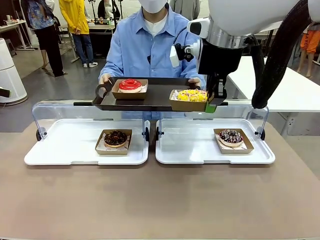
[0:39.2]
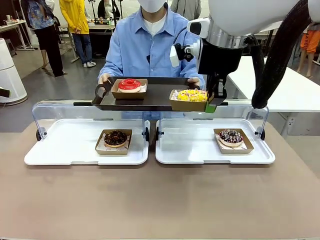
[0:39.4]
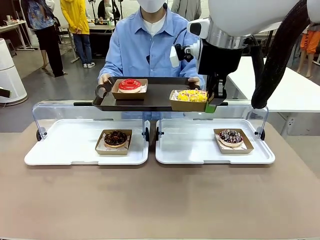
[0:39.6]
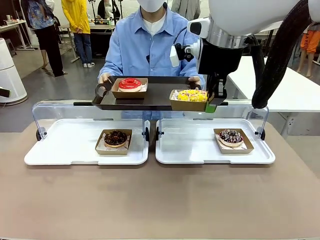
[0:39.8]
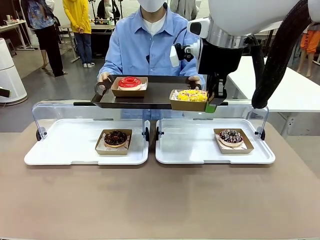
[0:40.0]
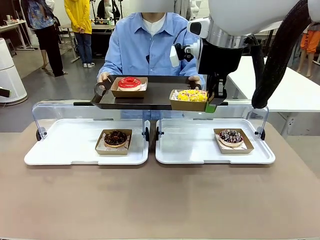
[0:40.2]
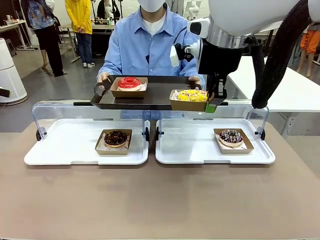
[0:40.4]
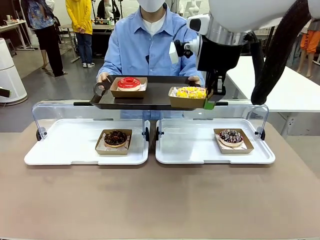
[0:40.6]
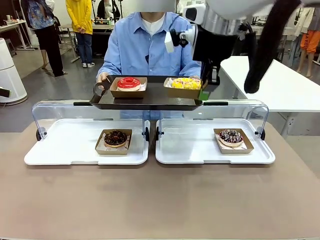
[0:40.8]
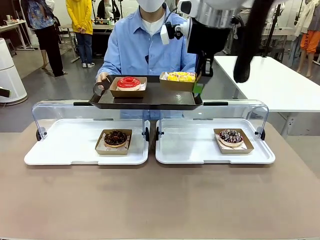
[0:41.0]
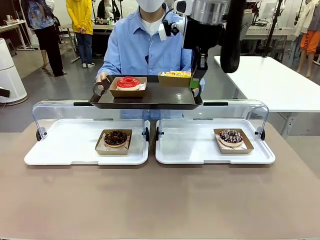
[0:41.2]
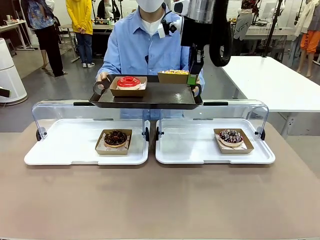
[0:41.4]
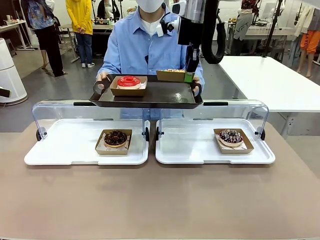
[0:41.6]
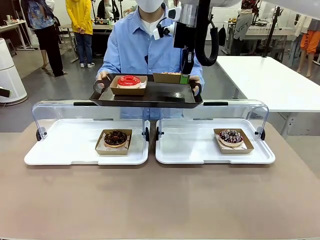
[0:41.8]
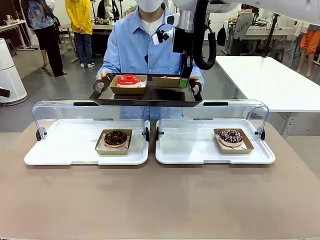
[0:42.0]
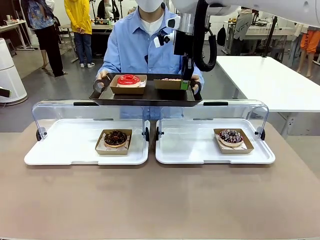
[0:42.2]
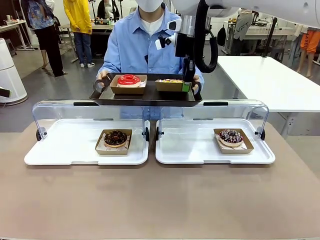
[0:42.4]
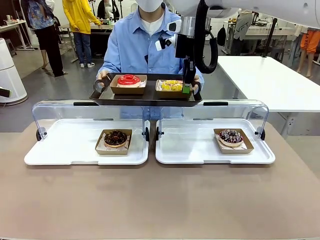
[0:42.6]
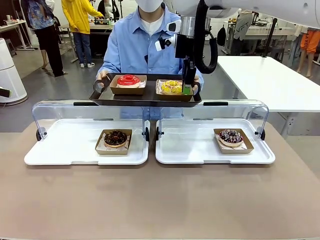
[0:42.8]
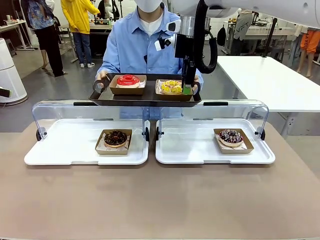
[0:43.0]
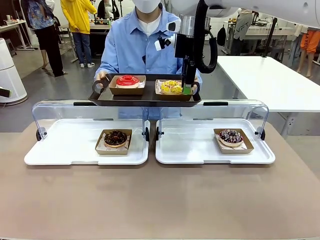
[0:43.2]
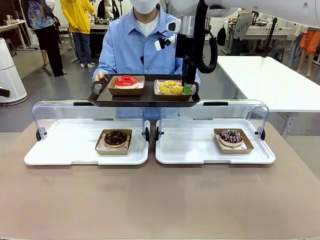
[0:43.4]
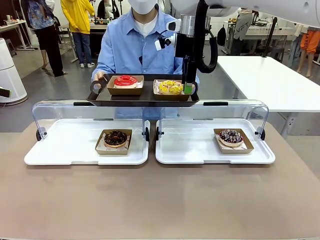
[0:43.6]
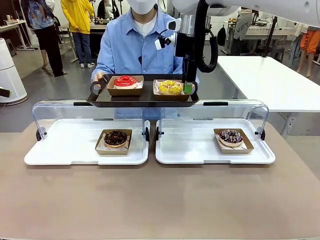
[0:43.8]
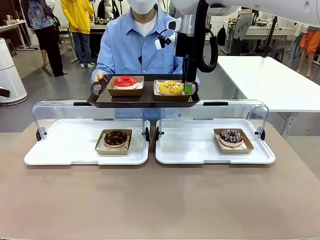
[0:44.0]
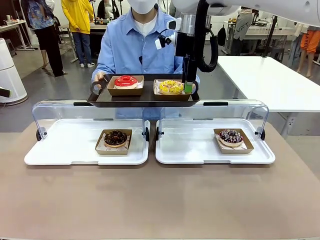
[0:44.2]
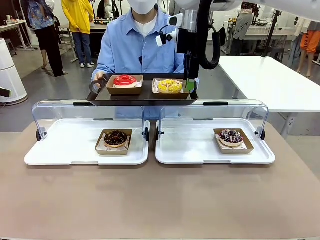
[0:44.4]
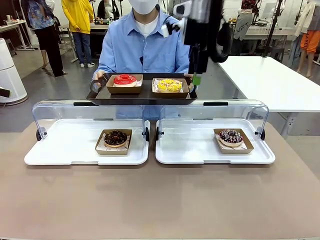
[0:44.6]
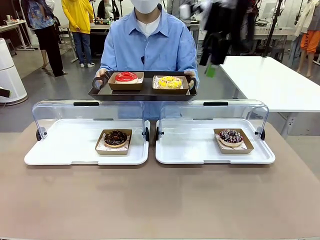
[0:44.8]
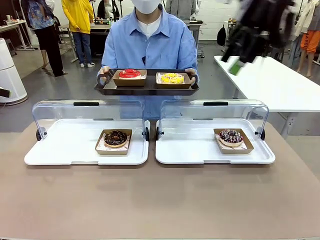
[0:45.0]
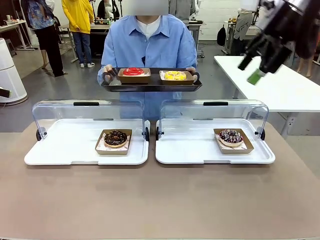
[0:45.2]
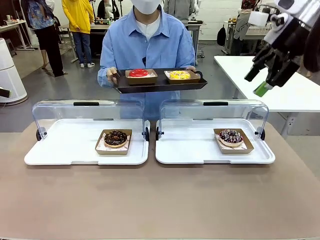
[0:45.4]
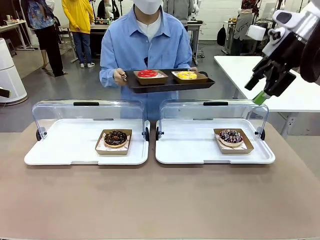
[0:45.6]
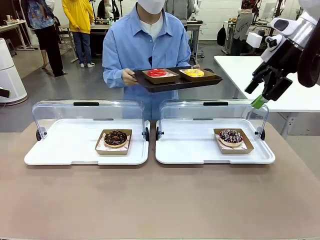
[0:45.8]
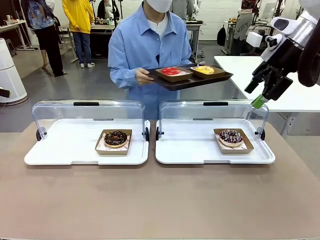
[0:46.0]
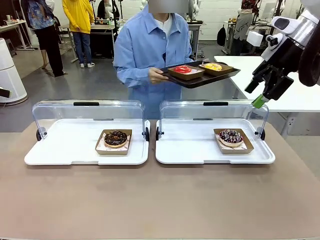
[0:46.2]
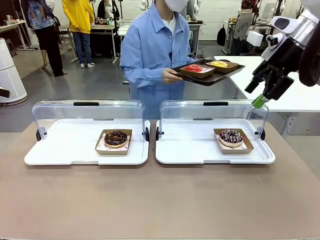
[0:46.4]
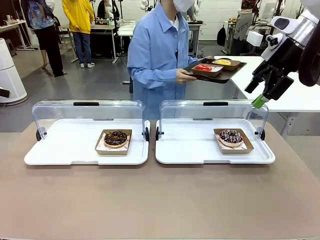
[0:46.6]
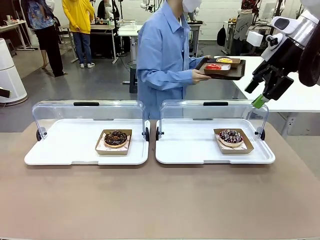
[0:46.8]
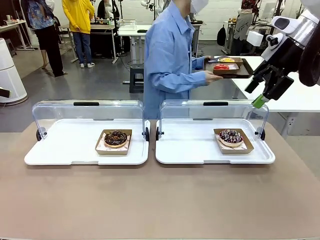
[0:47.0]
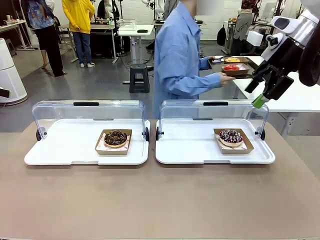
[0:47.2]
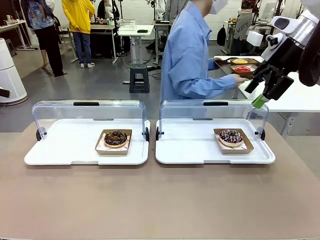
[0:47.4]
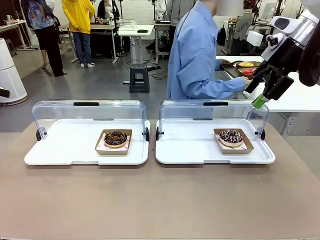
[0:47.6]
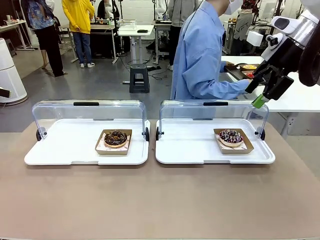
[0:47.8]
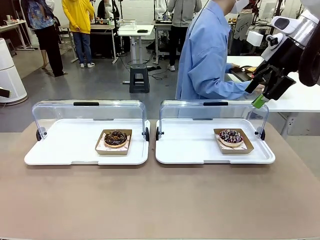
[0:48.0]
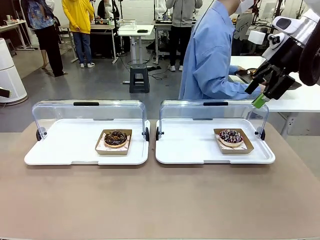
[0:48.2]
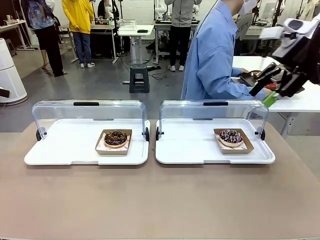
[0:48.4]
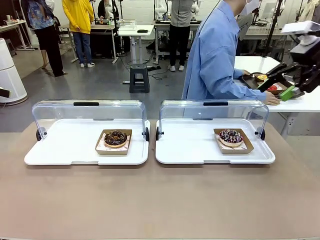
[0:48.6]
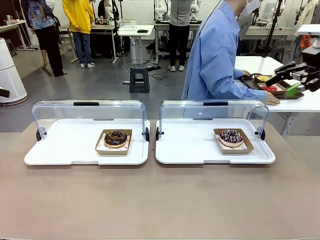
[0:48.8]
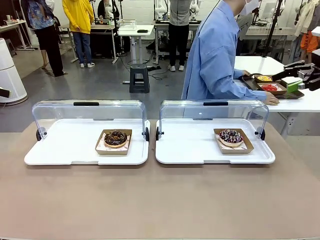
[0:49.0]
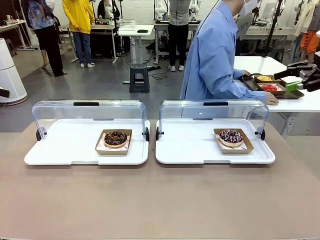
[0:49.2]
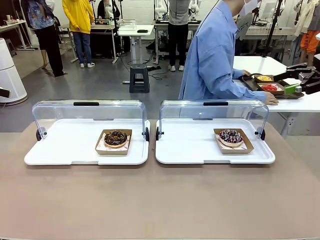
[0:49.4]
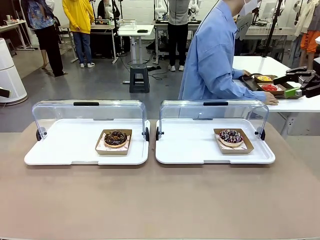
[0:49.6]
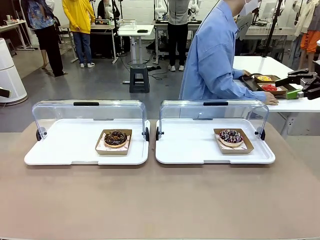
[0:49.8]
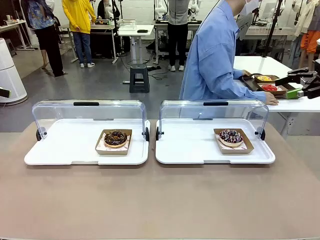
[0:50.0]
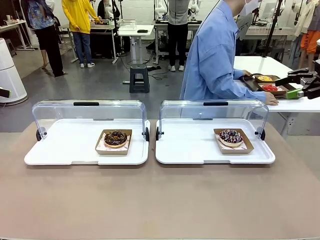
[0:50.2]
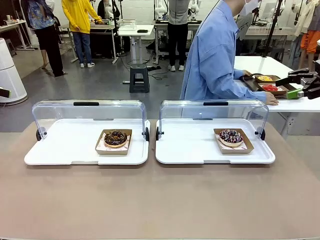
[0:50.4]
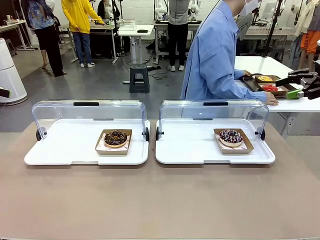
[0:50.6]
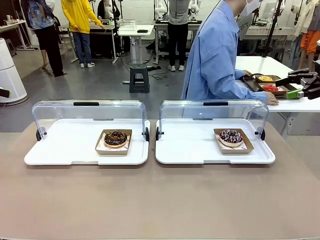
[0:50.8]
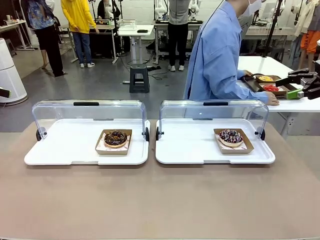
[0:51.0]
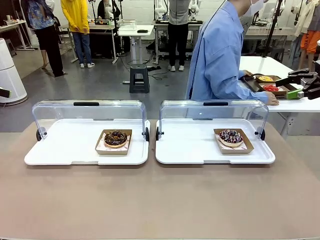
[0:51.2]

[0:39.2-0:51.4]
Task: Provide the desired donut to the person.
Robot: Place the picked Paper togo box onto the Handle tray extended by the person.
Person: Place the tray in the middle of the human table.

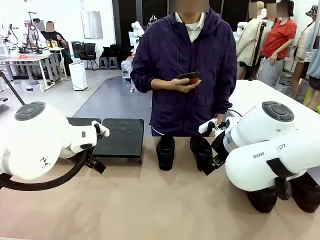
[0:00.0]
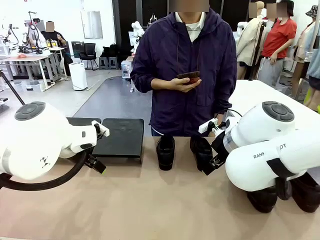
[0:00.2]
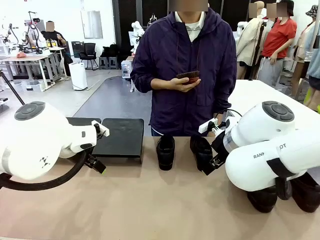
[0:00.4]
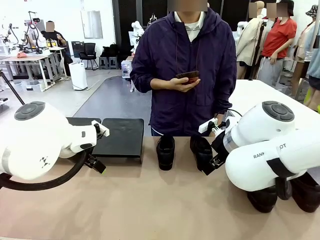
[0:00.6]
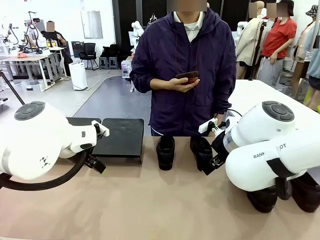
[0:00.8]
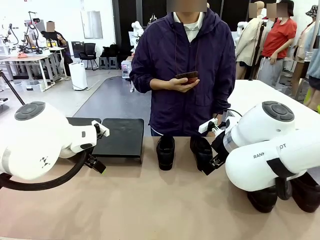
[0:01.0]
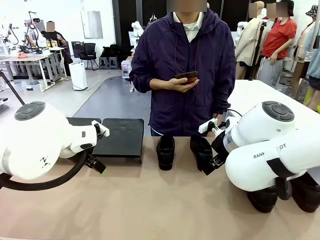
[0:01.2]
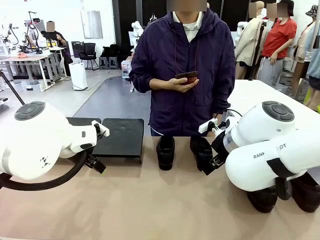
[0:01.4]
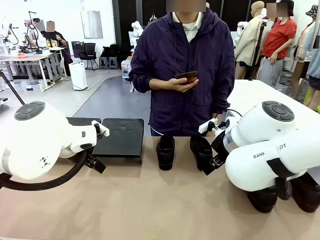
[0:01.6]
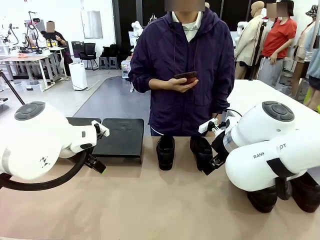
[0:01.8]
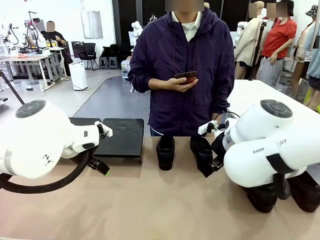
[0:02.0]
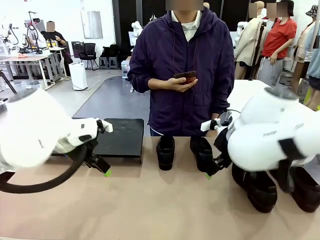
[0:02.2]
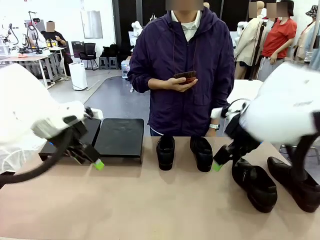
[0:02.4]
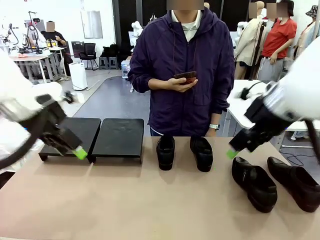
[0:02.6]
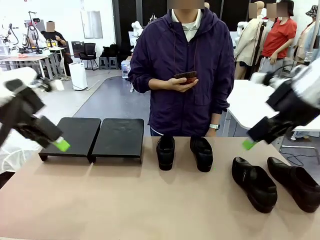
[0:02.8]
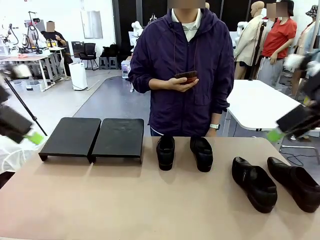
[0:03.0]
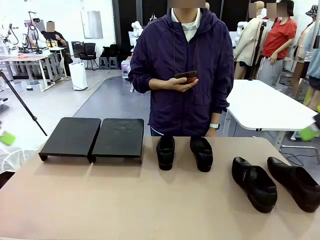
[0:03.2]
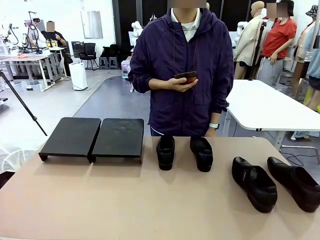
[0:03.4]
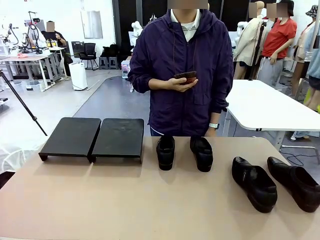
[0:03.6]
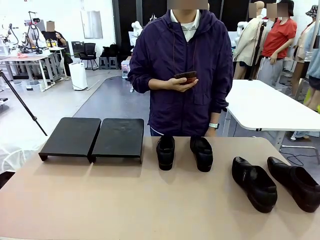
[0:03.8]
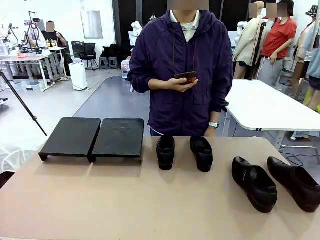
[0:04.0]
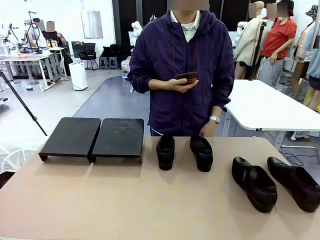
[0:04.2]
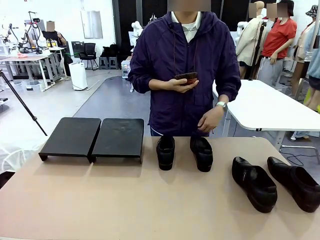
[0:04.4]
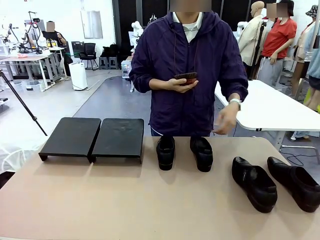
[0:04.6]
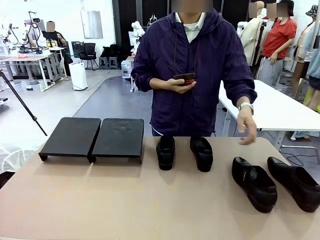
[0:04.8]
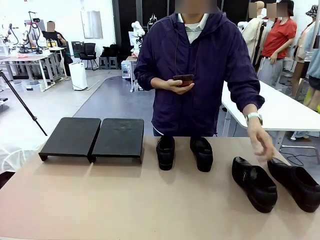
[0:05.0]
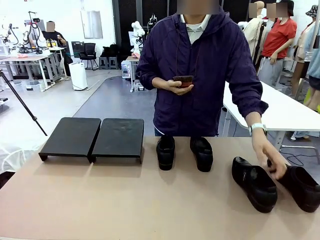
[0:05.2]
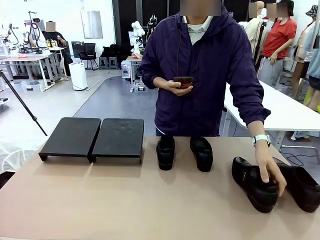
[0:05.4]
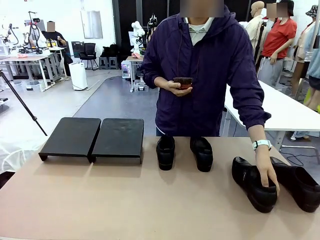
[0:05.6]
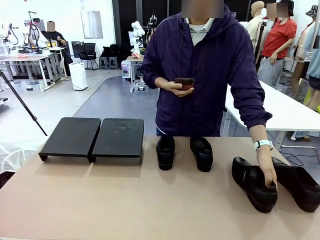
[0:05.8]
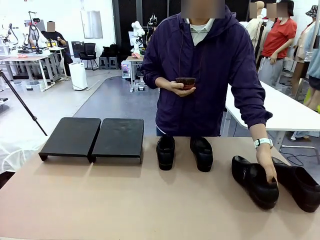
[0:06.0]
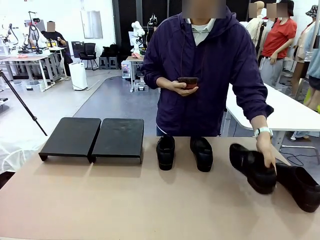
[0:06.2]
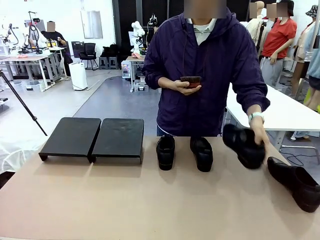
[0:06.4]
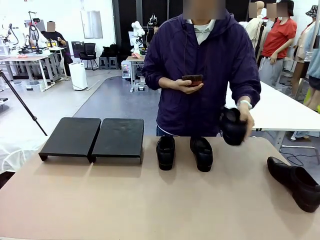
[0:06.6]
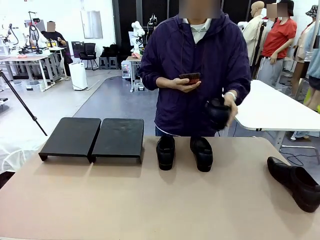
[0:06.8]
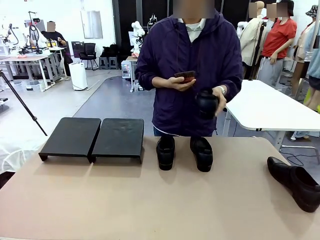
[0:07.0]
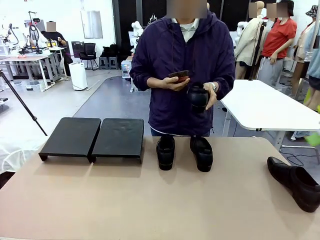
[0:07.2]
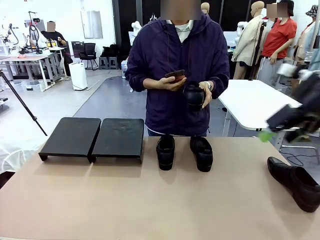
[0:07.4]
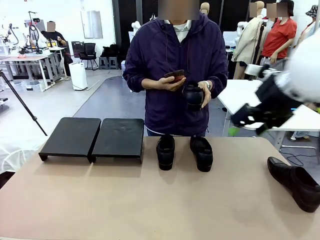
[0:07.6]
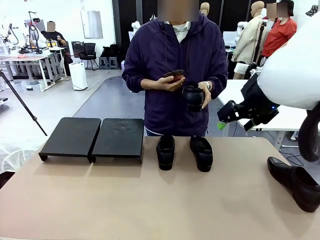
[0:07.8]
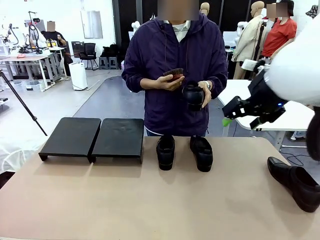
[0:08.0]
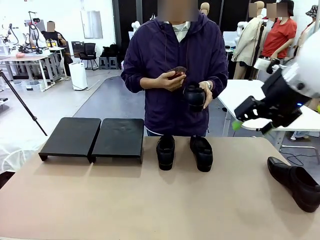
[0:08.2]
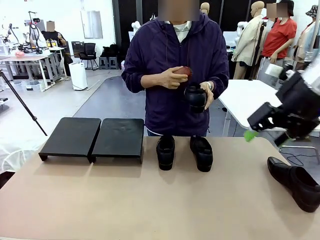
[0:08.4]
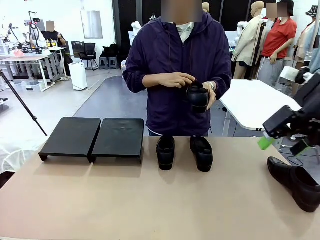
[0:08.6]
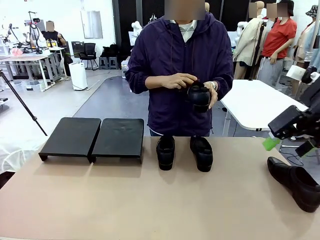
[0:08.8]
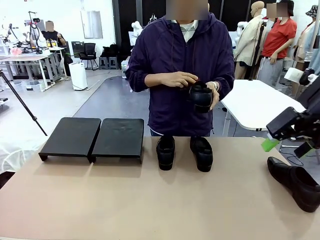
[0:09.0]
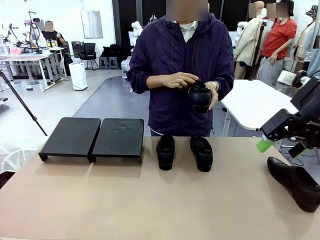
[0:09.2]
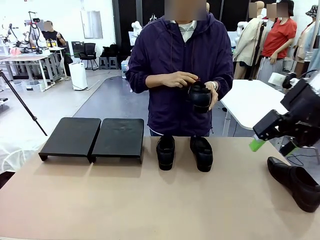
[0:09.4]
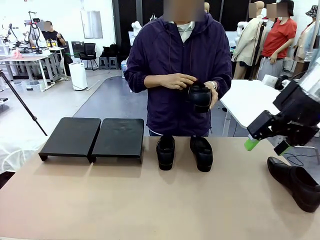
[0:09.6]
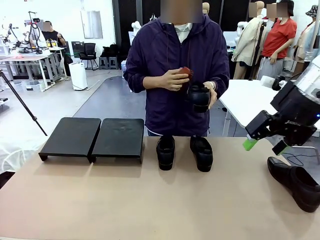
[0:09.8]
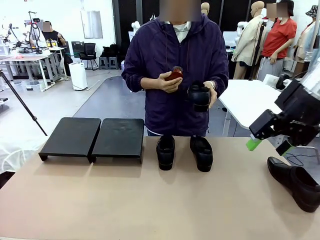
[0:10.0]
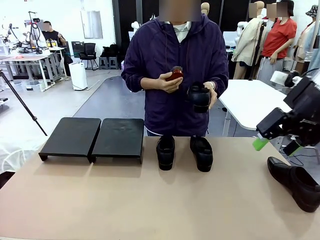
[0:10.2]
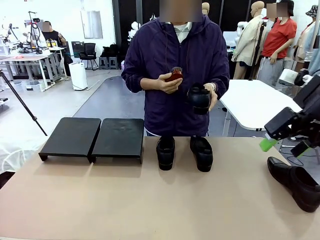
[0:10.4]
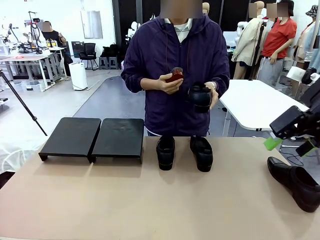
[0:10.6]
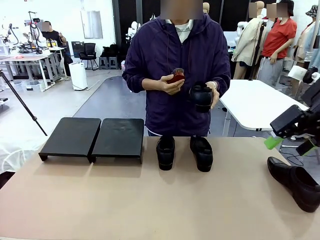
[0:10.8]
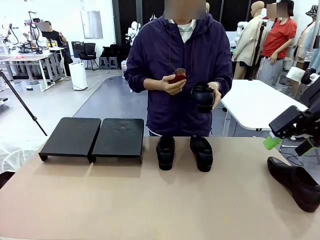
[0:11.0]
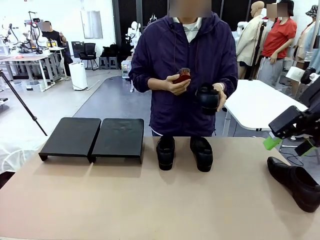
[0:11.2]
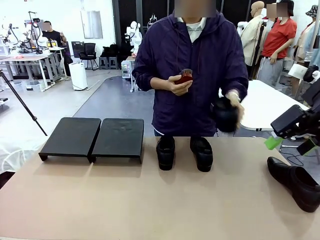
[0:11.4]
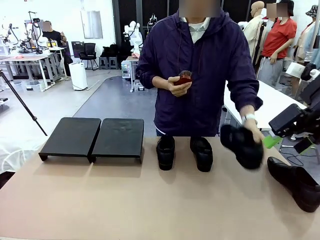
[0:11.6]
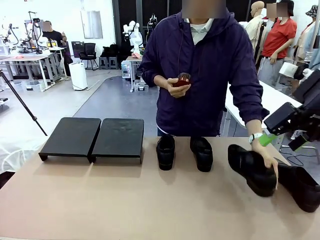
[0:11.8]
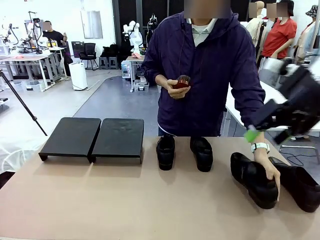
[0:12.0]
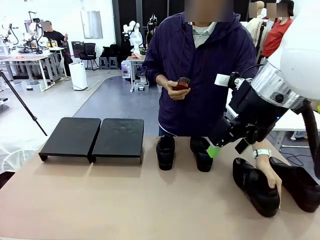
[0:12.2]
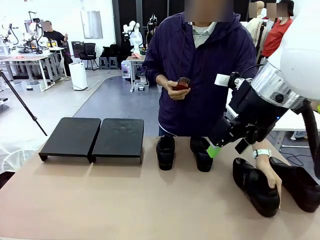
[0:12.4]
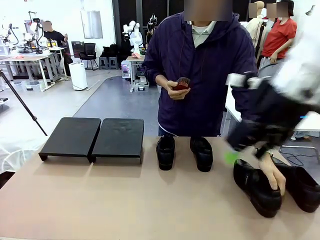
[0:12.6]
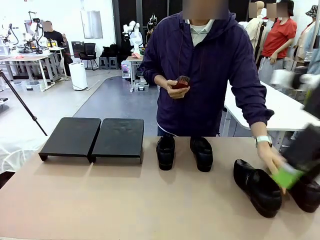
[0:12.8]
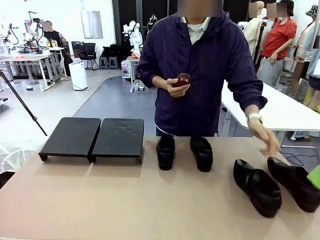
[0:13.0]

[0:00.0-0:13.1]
Task: Organize the shoes by placing them on the stand.
Robot: Pick up one Shoe and place it in the middle of the table.
Person: Pick one Shoe on Robot's table. Clean the Shoe with the Shoe Brush. Place the Shoe on left side of the Robot's table.
